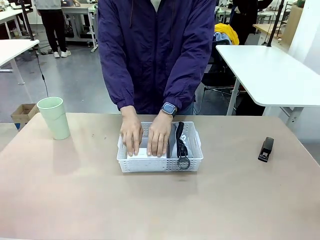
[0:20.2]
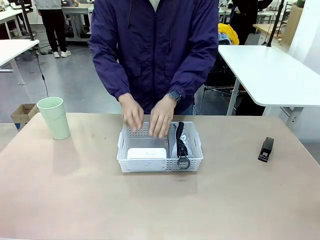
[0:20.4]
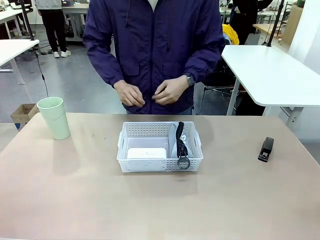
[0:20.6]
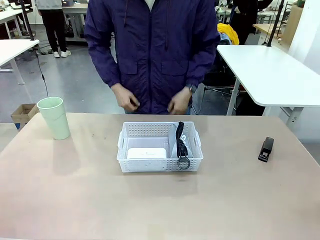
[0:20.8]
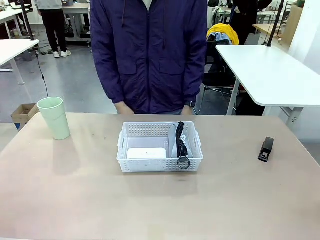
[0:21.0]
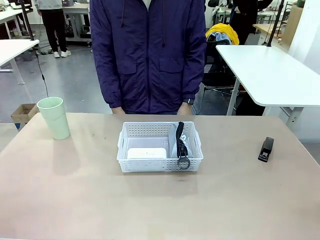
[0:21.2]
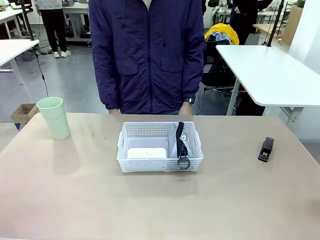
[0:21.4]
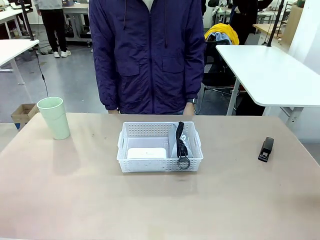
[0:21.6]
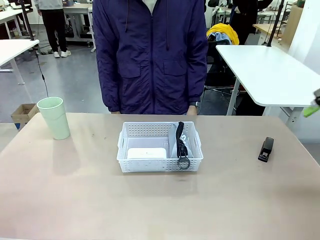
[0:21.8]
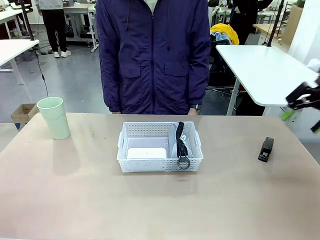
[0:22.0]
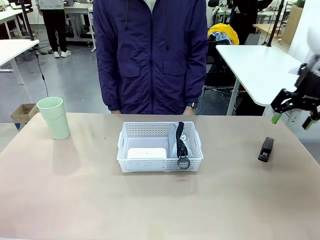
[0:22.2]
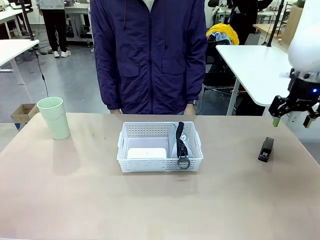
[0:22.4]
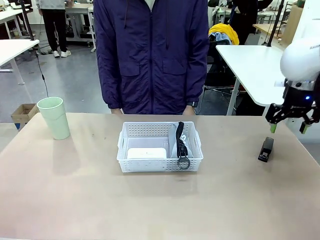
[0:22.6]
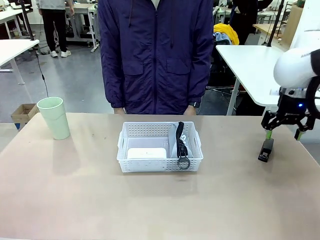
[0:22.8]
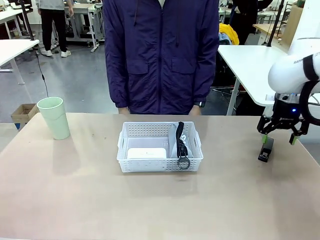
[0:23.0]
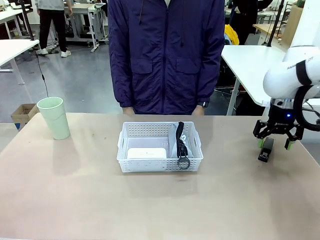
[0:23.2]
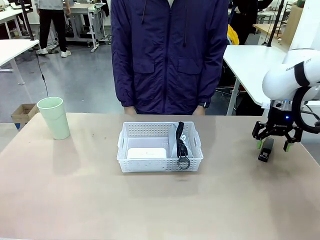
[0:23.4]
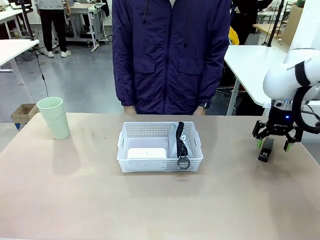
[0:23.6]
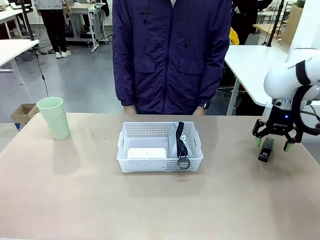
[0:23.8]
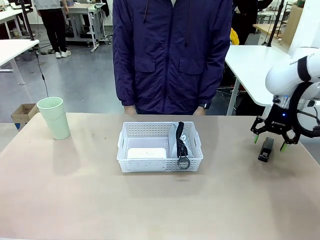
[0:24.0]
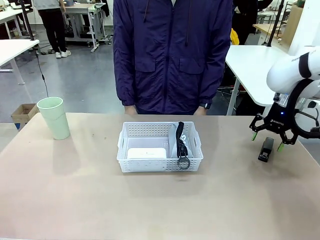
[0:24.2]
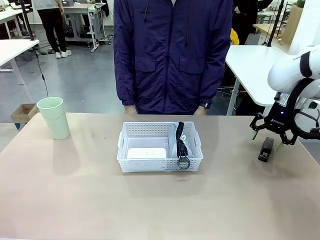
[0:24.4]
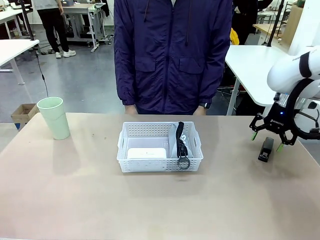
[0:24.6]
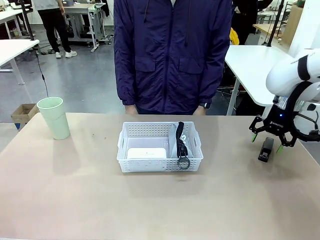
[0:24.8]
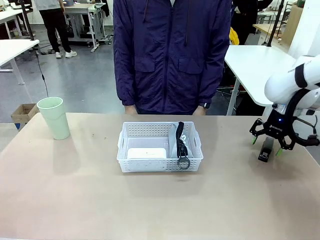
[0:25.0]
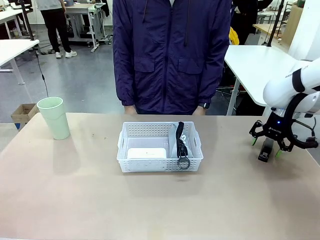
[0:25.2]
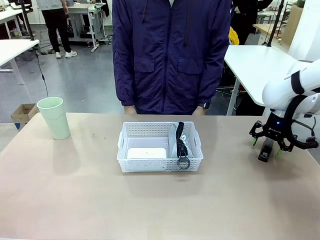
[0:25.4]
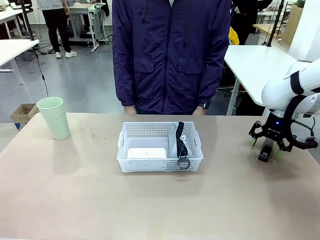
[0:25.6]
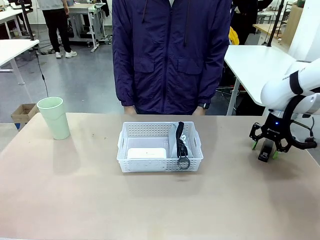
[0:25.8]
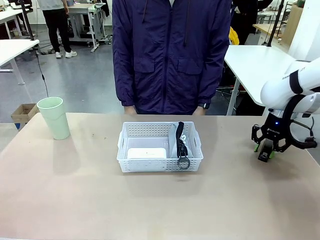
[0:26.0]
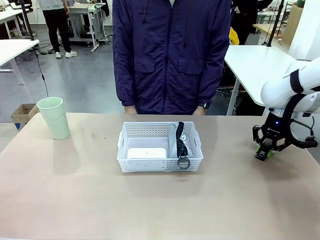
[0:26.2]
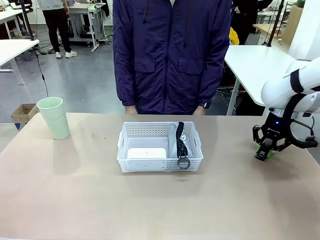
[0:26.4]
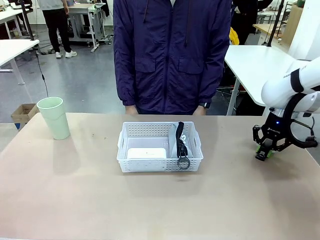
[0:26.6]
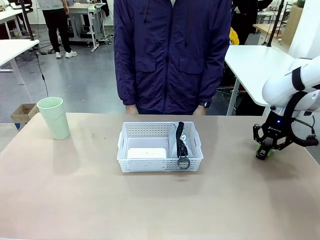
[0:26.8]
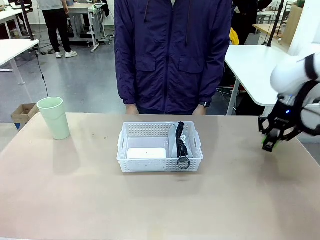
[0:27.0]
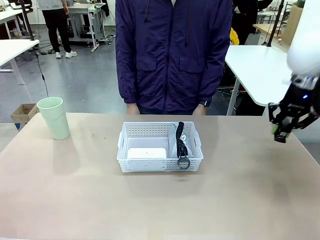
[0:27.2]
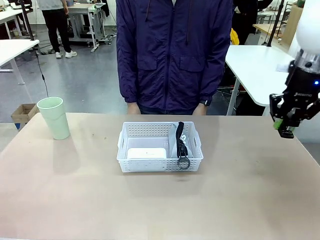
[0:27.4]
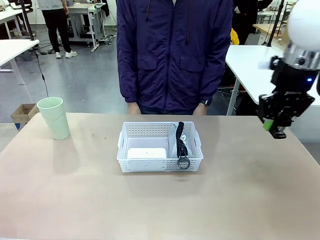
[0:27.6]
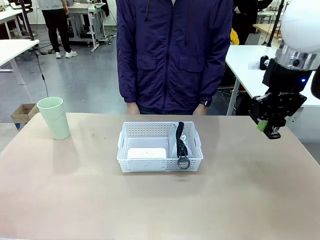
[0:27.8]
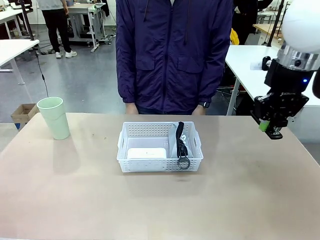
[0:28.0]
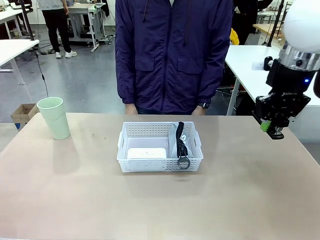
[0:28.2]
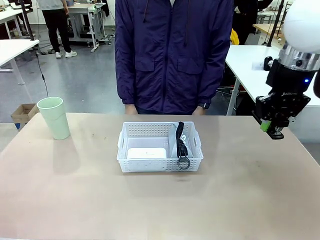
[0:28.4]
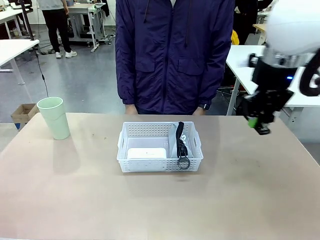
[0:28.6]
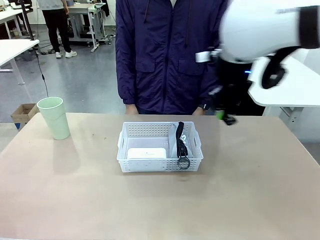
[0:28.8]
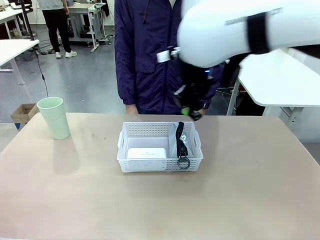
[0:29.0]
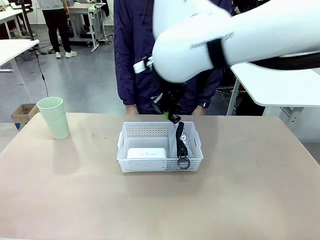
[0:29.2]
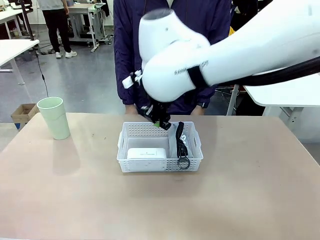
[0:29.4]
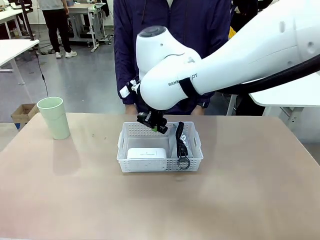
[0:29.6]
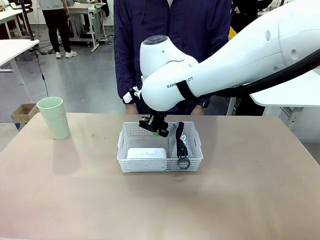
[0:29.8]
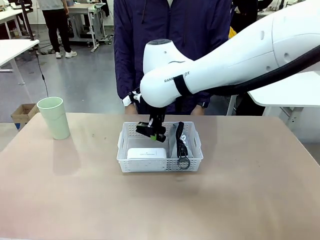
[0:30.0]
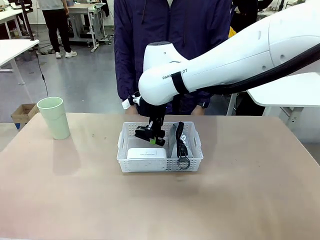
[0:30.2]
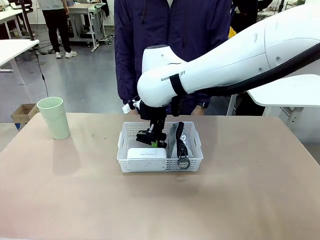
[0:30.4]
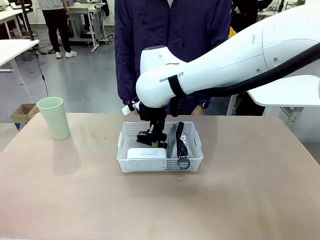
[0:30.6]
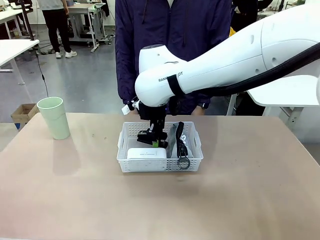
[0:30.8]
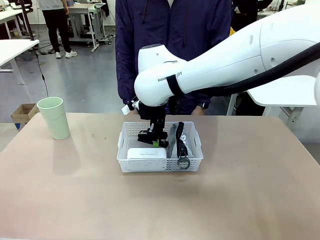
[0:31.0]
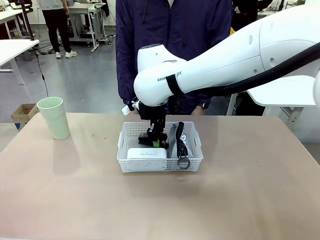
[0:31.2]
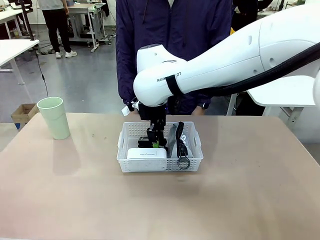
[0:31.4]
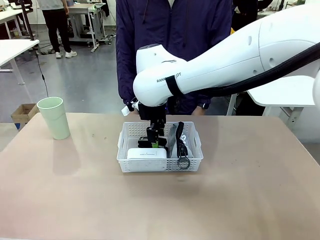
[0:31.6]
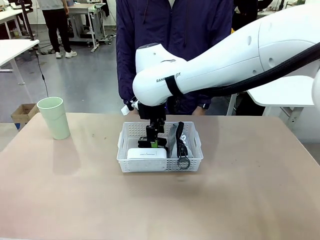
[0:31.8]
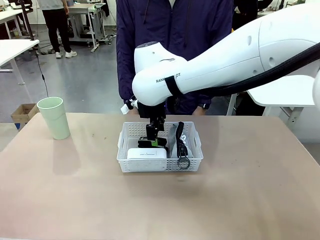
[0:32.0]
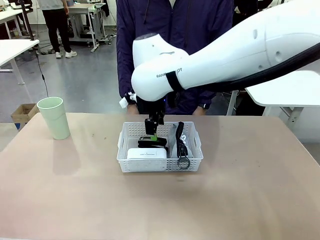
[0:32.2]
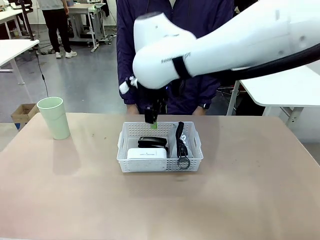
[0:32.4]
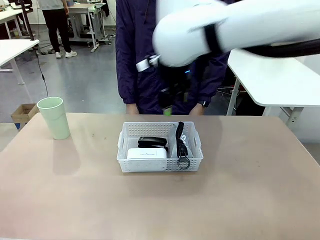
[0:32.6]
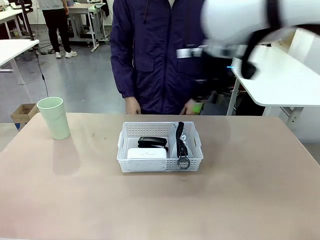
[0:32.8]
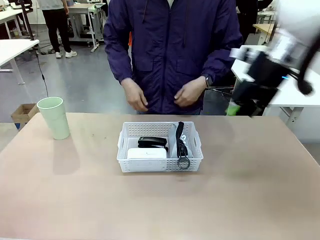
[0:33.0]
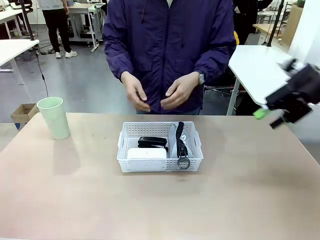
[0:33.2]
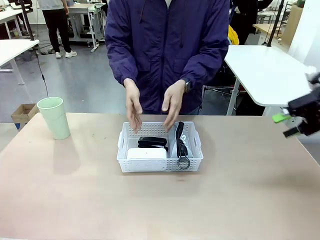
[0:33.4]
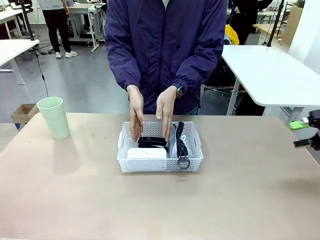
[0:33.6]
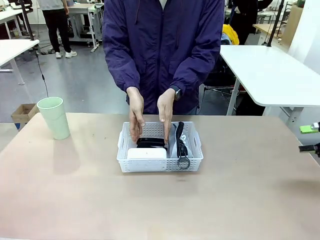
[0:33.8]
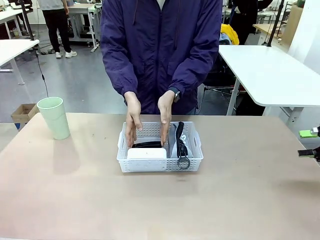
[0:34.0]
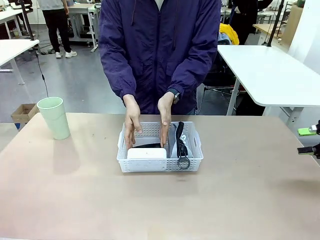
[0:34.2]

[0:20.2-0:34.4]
Task: Efficiently arrange items inside the basket to fit them all.
Robot: Pick up the Stapler and place it inside the Organizing basket.
